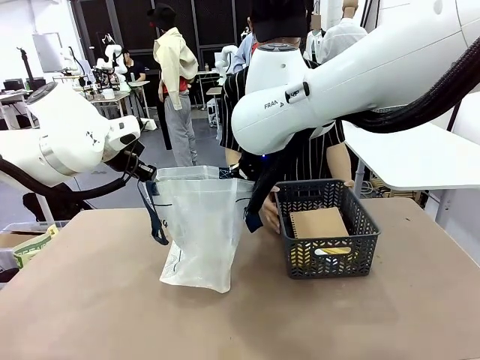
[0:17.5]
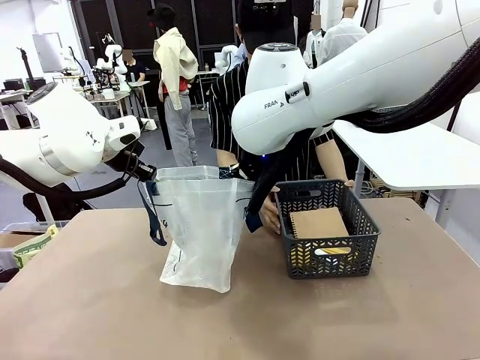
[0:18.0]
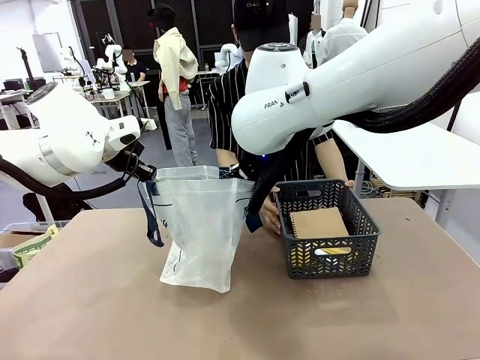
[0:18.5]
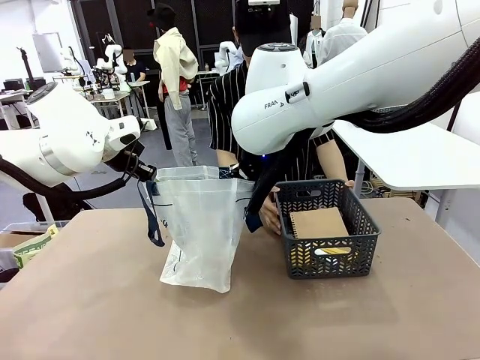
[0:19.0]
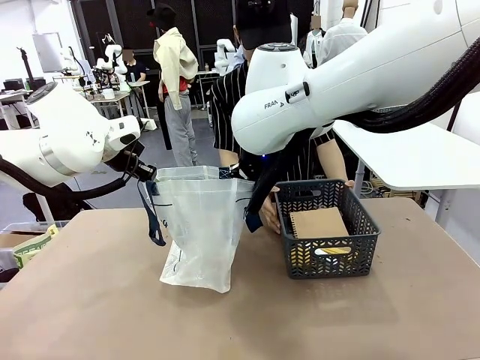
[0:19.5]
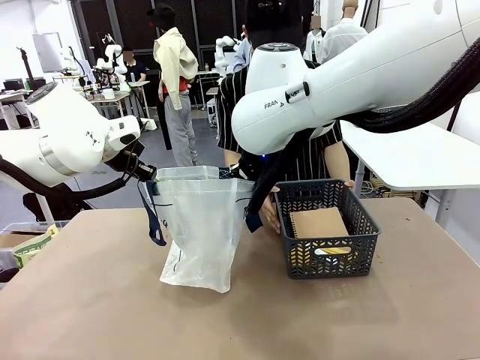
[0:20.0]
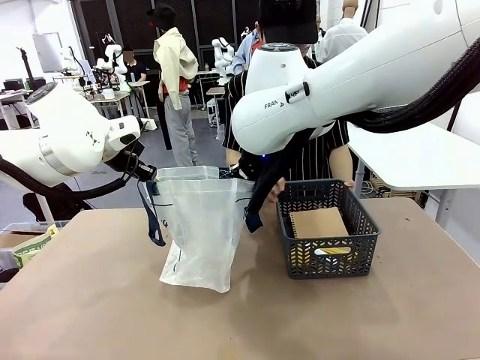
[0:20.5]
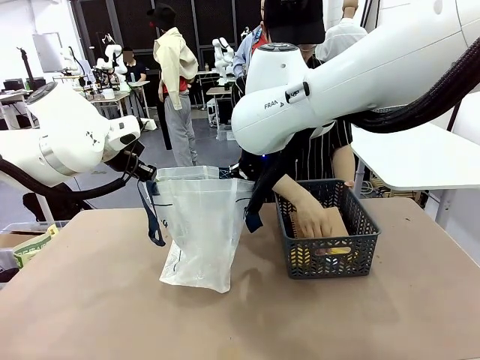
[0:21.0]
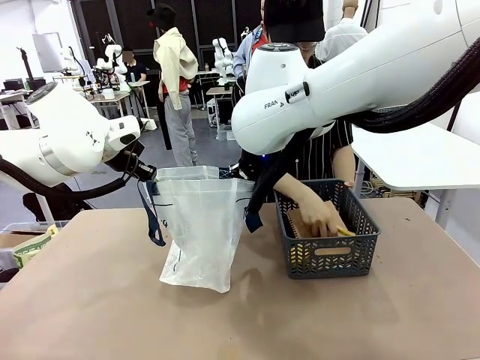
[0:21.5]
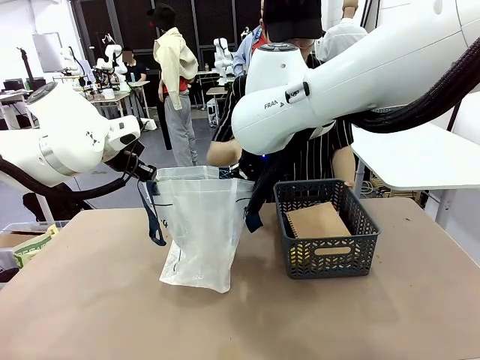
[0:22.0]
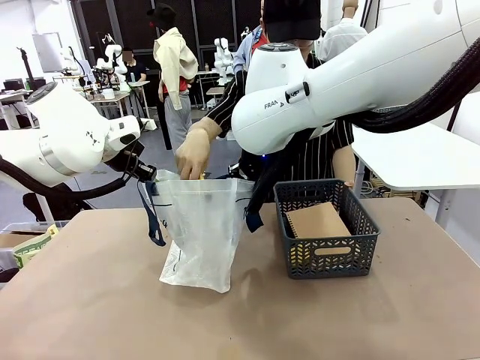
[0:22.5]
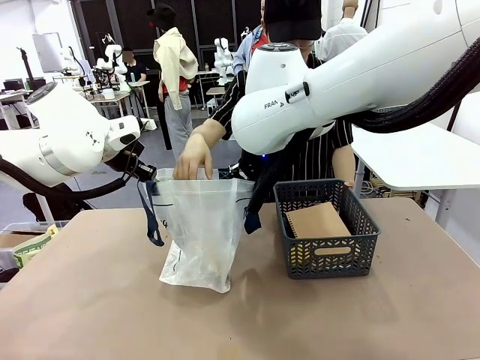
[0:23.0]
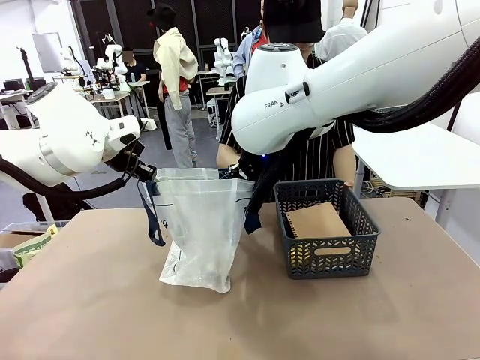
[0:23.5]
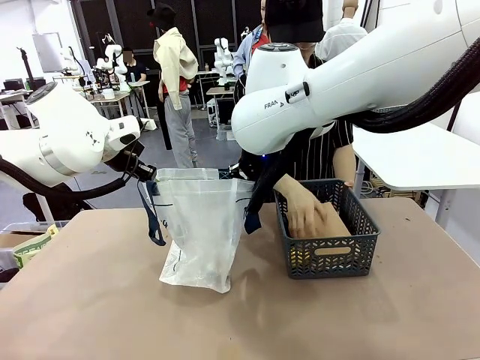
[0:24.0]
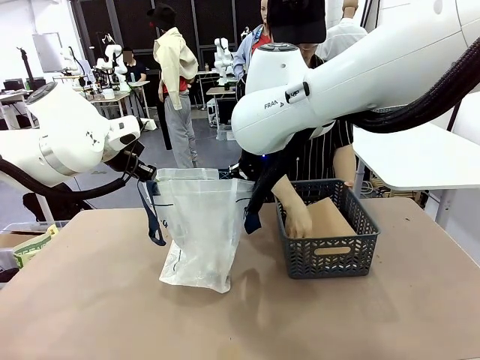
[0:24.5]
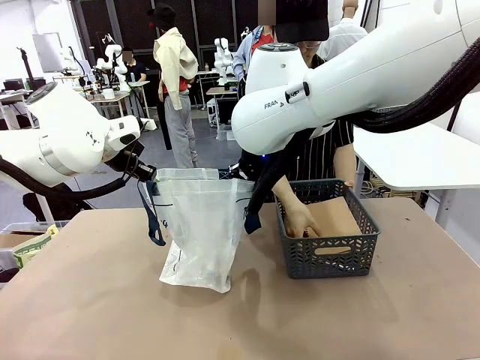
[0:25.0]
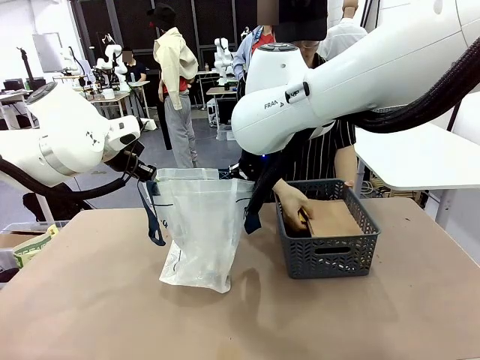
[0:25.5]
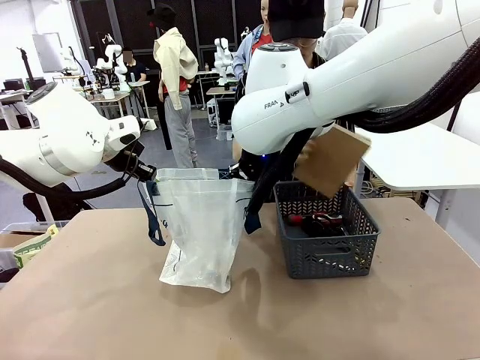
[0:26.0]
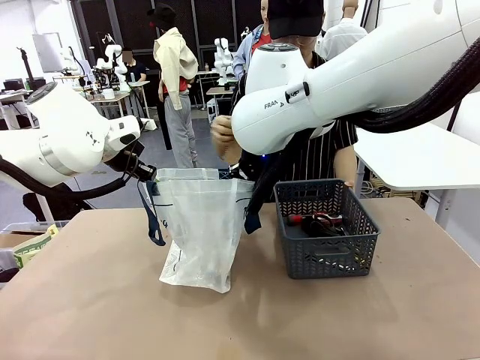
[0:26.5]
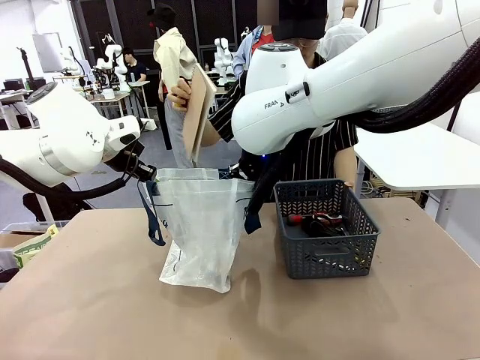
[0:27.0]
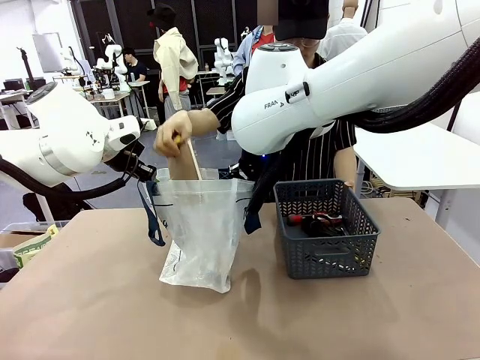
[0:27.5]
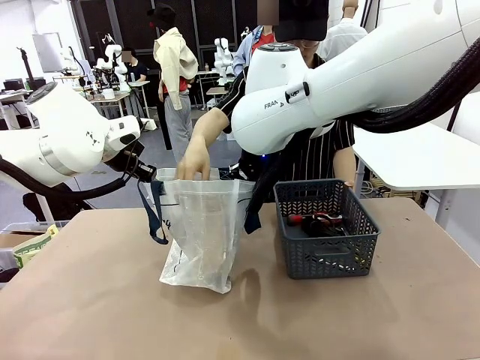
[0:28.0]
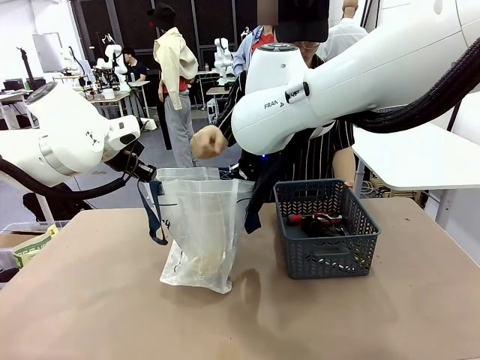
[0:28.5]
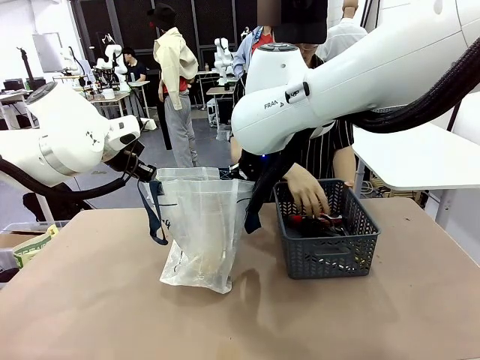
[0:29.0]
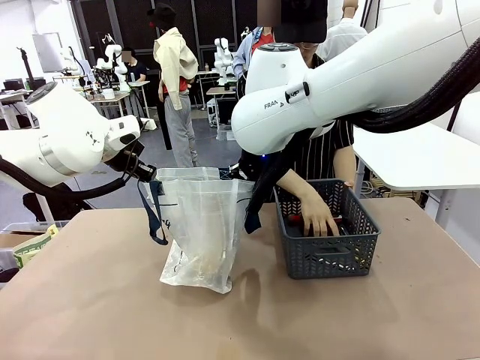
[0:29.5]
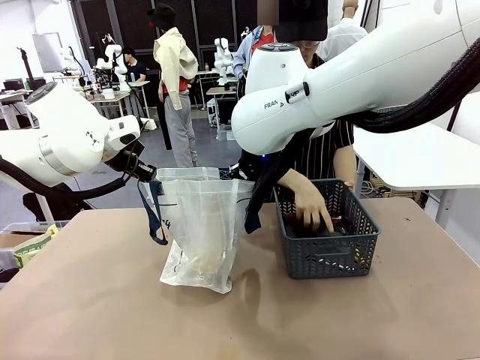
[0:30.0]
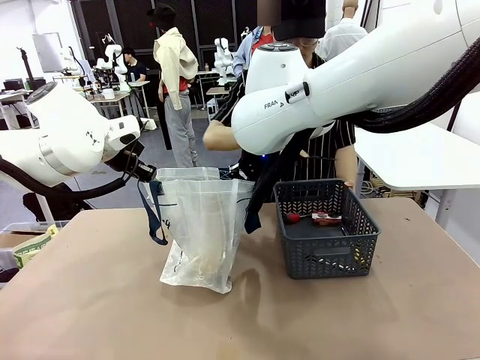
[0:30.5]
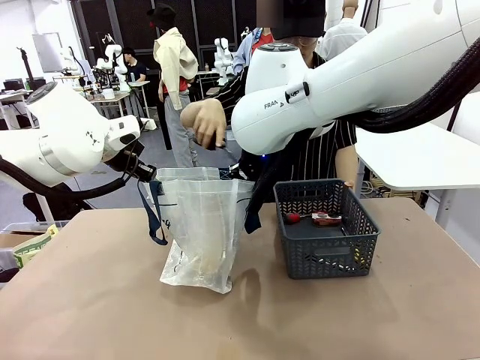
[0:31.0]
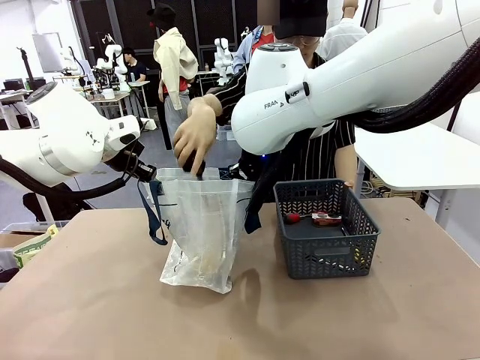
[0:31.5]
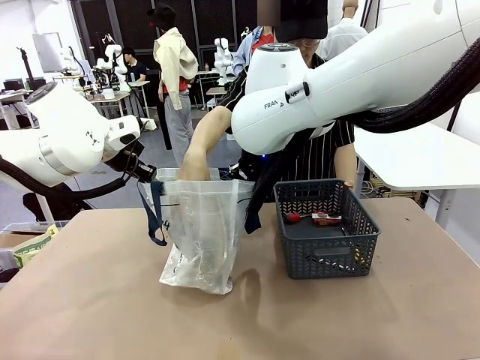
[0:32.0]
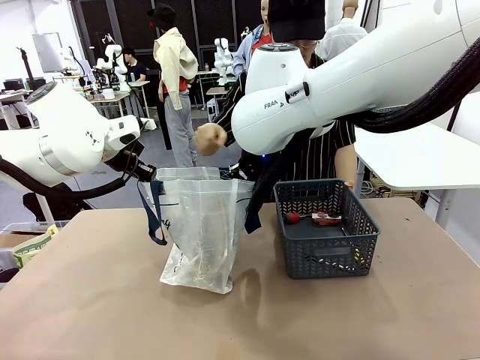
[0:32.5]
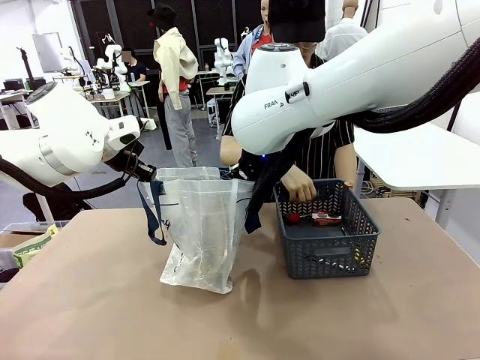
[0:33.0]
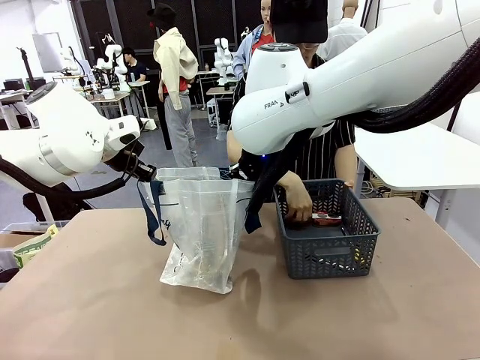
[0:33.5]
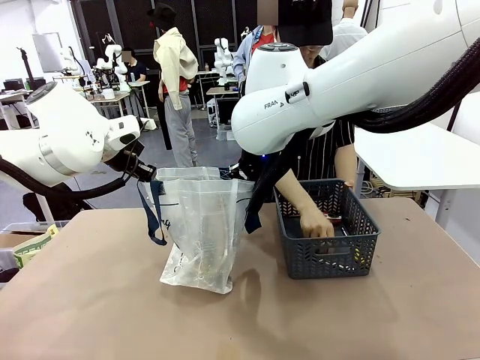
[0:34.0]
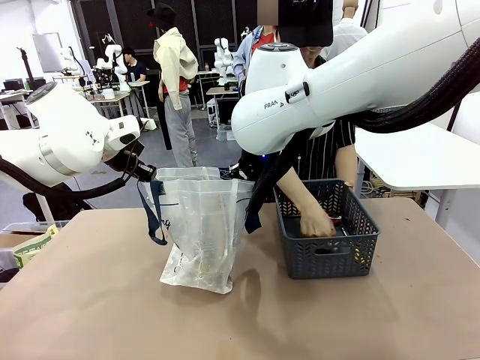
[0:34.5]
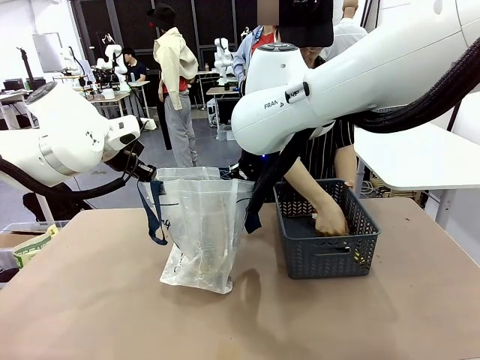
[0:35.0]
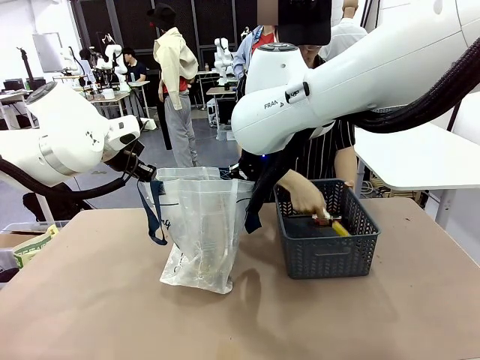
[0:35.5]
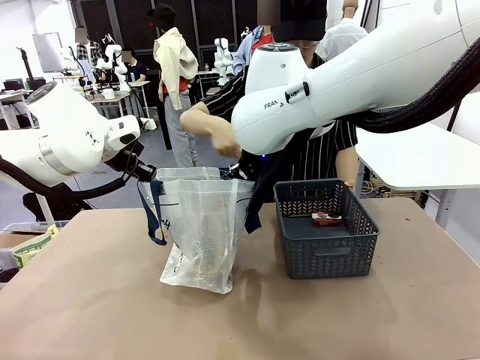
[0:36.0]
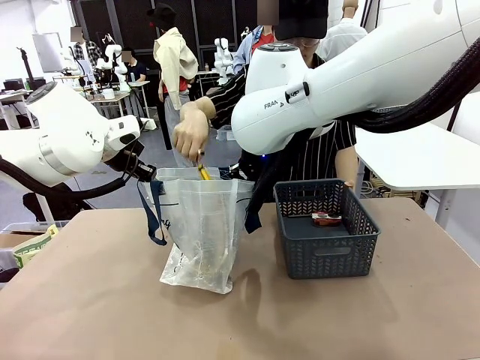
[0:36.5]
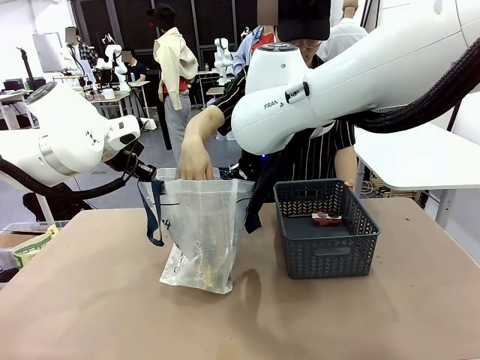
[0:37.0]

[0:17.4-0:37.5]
Task: Transfer purchased items from the store into the shopping bag.
Robot: Move the Reusable shopping bag to the right side of the table.
Person: Pick up the basket with the items out and place it on the right side of the human table.
